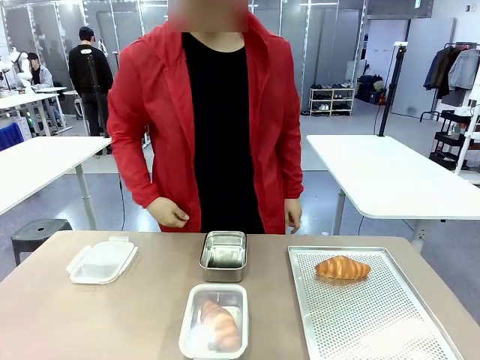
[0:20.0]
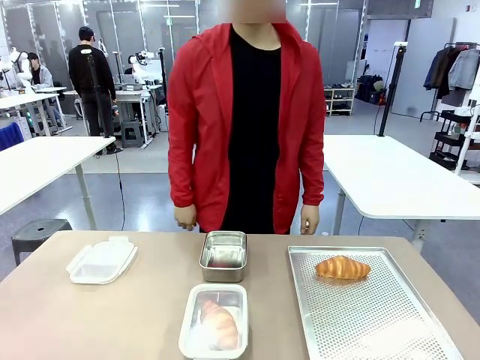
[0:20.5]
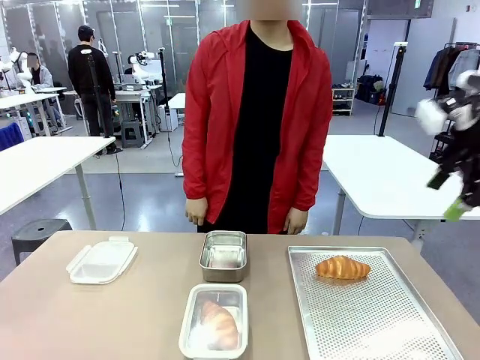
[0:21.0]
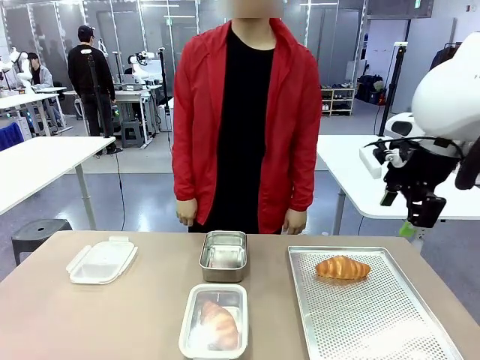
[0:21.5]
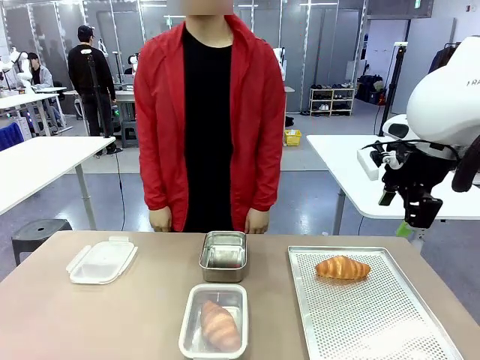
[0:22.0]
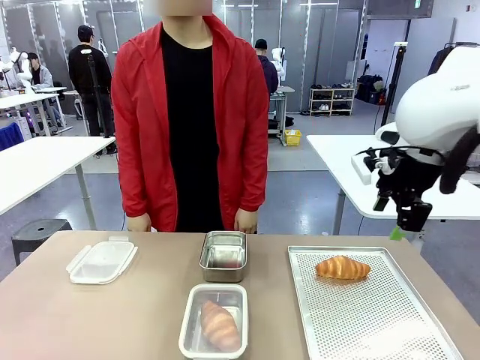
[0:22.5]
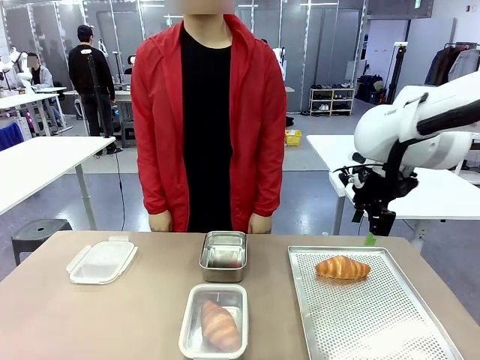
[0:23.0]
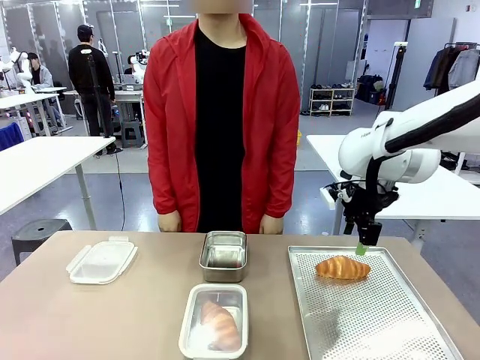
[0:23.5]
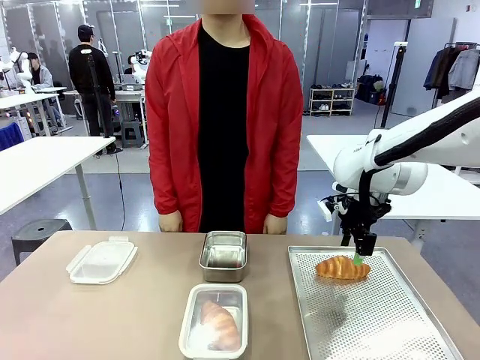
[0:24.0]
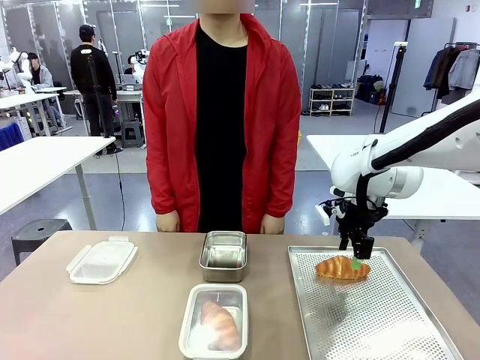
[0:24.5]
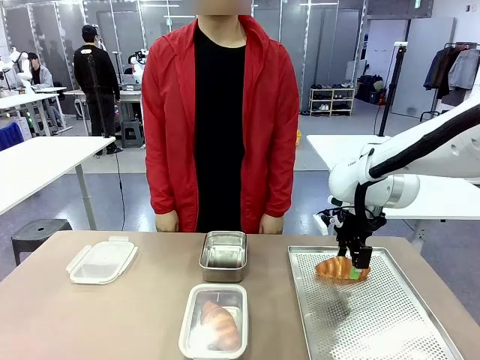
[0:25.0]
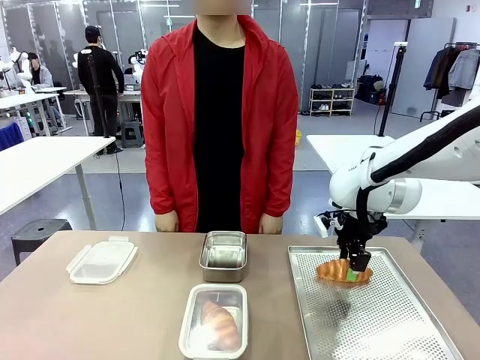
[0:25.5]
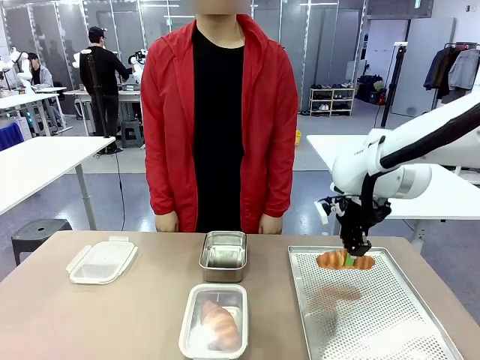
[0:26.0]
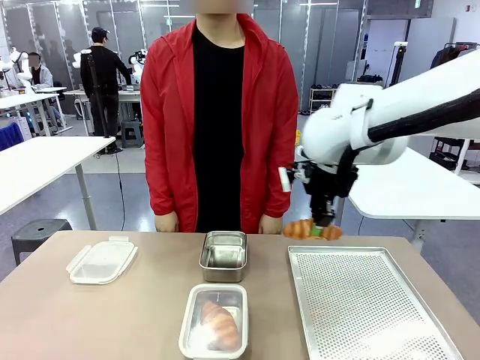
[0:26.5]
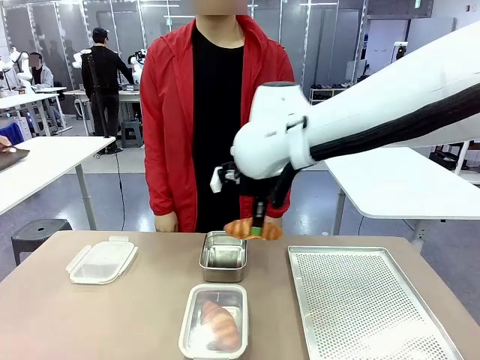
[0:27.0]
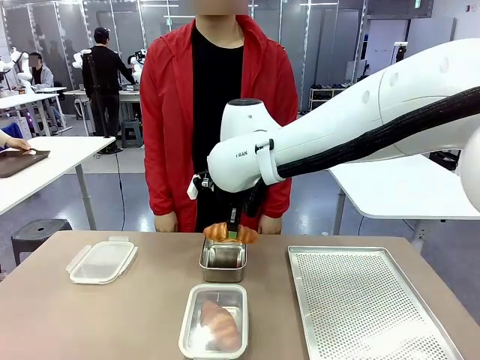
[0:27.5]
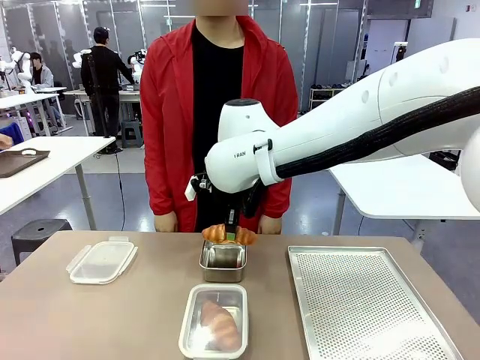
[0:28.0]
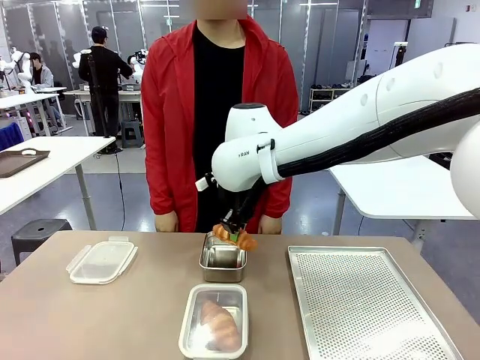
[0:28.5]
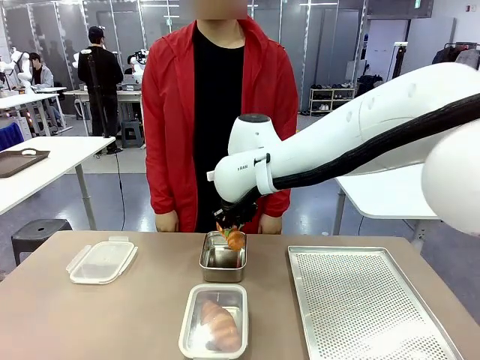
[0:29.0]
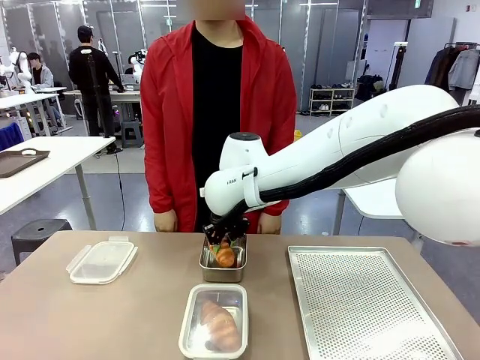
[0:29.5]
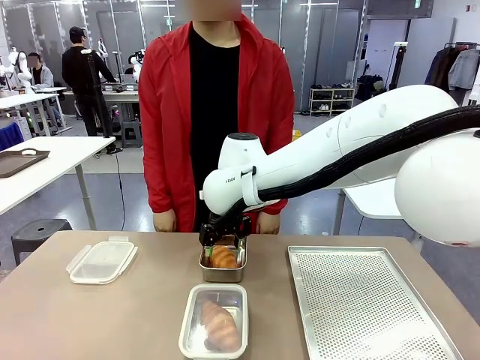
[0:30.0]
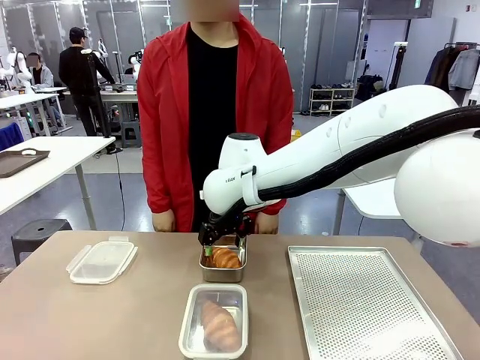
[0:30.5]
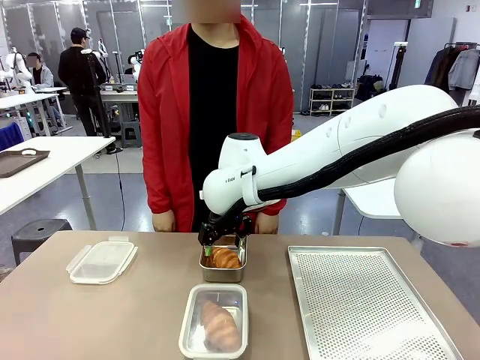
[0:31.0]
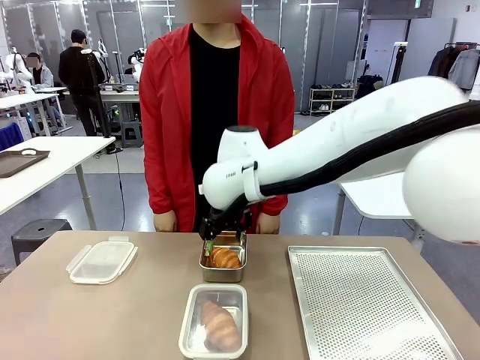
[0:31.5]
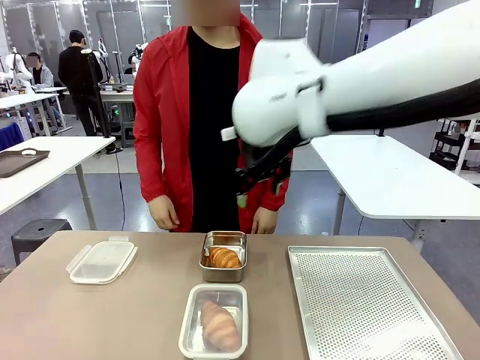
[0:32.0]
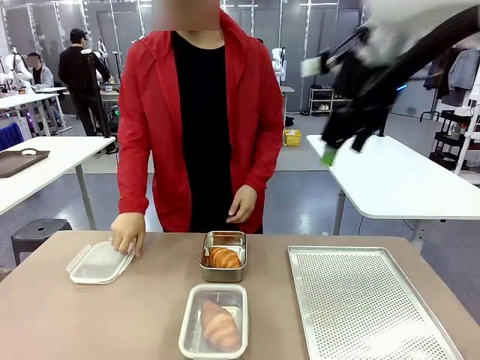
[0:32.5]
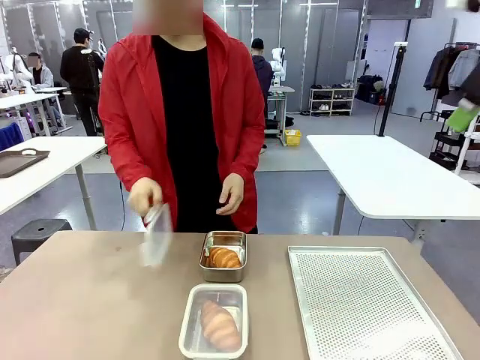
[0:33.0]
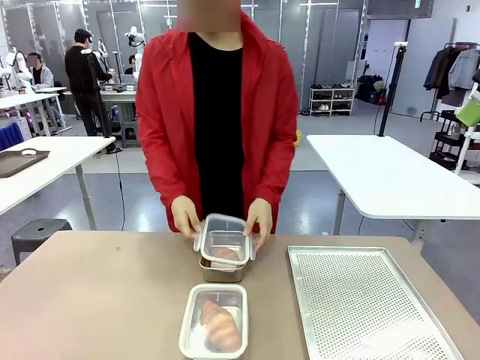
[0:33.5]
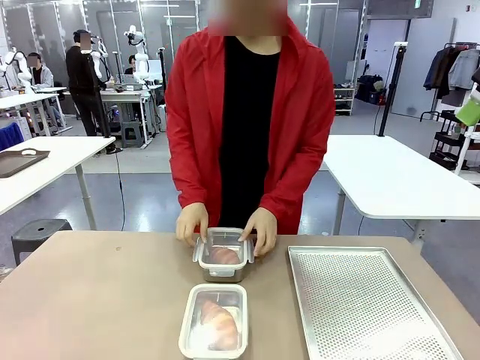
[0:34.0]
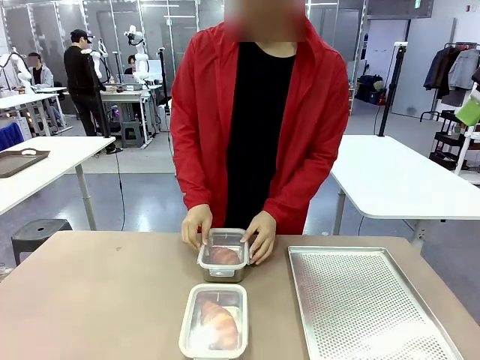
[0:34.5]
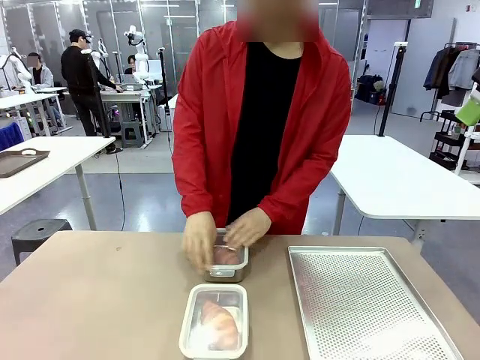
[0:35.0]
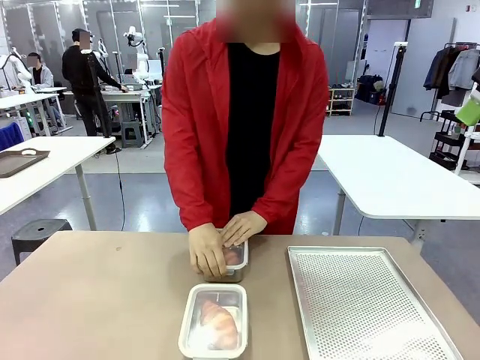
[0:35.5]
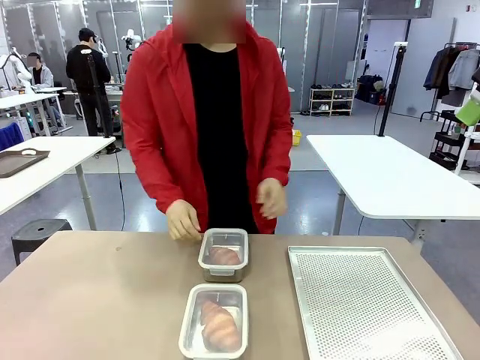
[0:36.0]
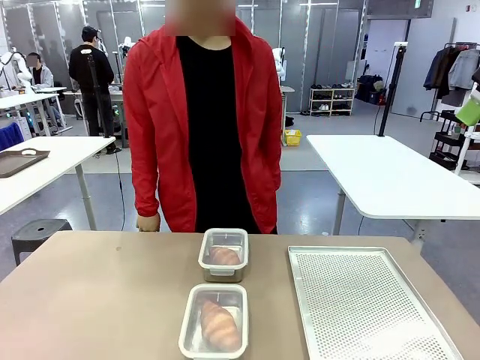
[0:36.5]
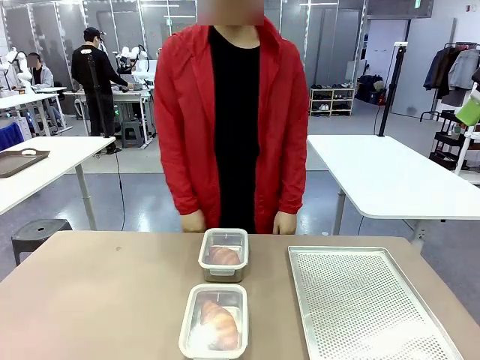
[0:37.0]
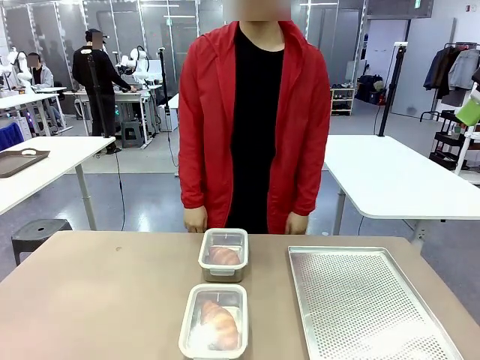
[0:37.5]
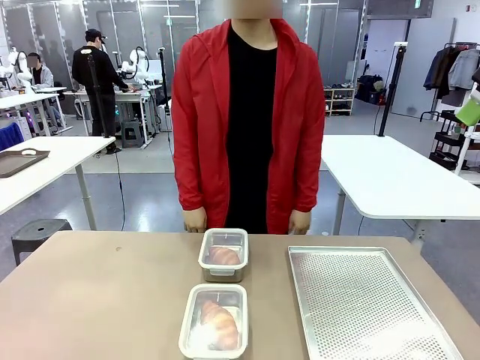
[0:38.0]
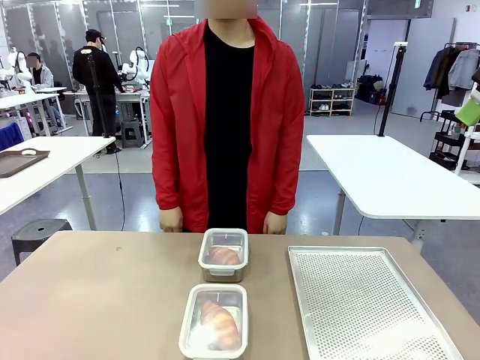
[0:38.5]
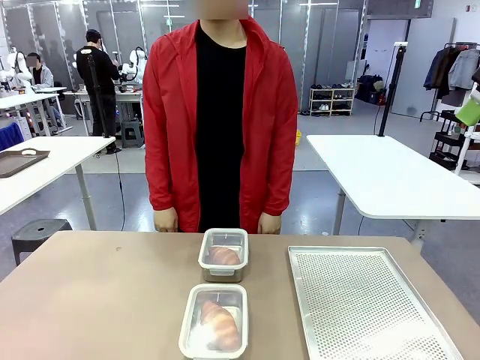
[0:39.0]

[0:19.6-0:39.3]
Task: Place the bread into the airtight container.
Robot: Pick up a Butter Roll and place it into an empty Airtight Container.
Person: Once a Butter Roll is inside an Airtight Container , close the lid of that Airtight Container.
